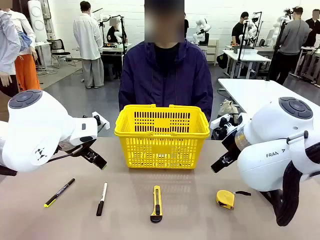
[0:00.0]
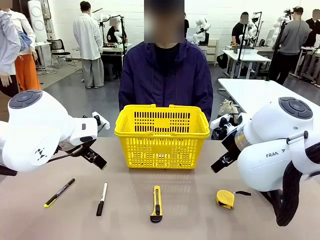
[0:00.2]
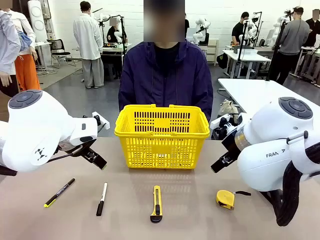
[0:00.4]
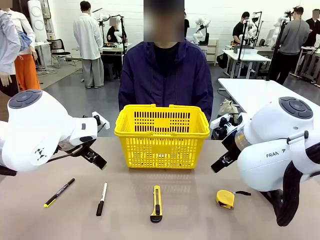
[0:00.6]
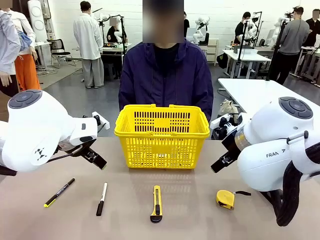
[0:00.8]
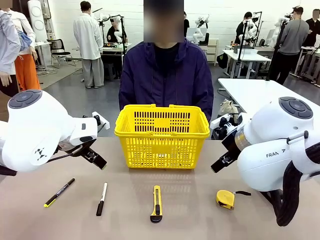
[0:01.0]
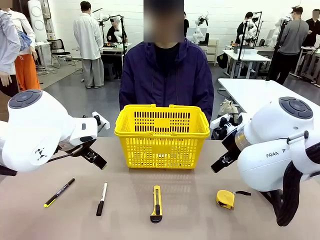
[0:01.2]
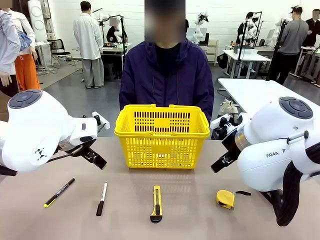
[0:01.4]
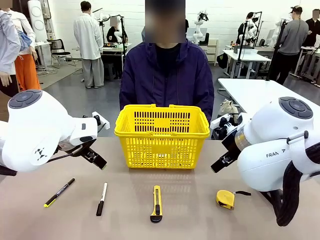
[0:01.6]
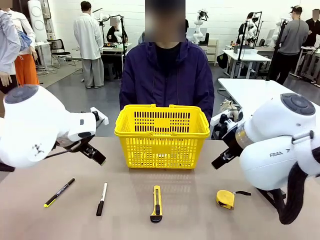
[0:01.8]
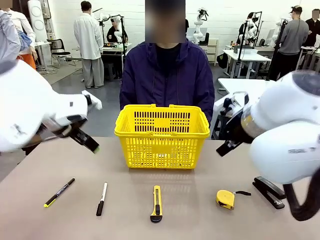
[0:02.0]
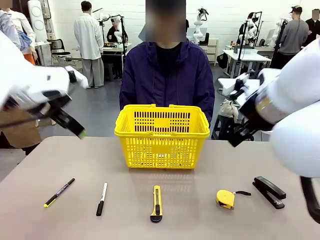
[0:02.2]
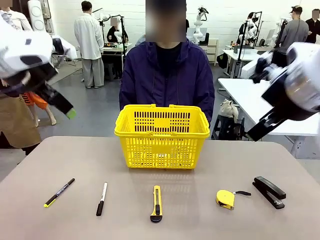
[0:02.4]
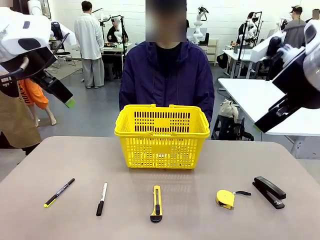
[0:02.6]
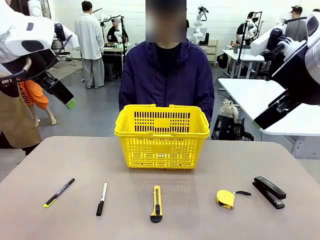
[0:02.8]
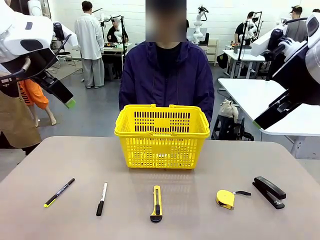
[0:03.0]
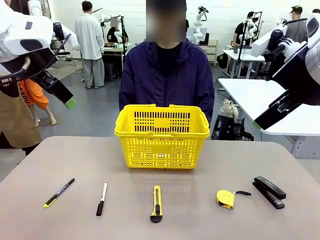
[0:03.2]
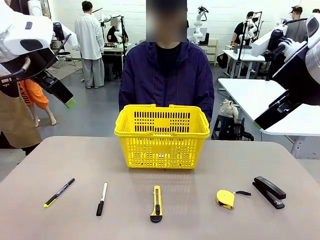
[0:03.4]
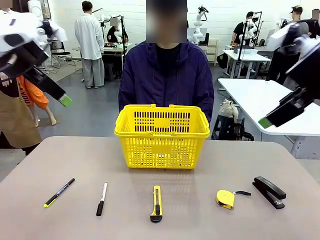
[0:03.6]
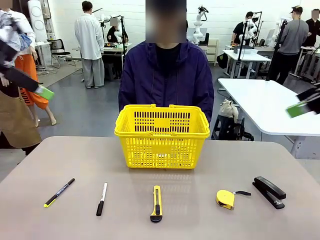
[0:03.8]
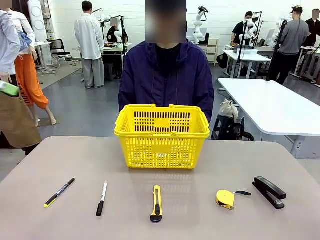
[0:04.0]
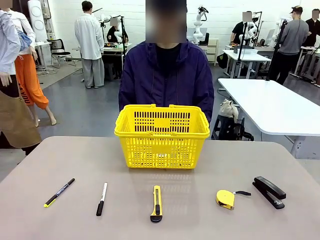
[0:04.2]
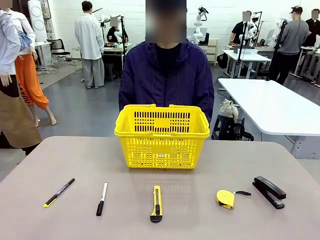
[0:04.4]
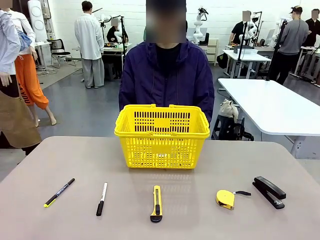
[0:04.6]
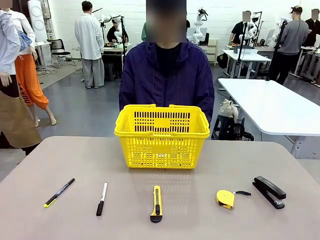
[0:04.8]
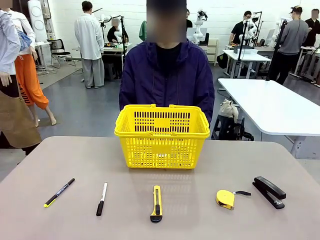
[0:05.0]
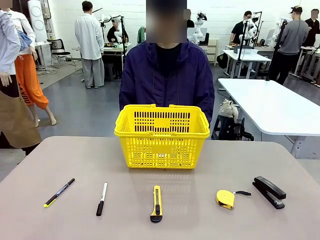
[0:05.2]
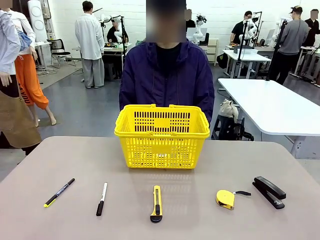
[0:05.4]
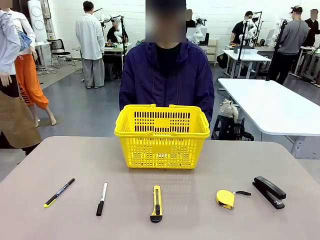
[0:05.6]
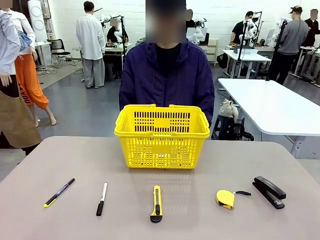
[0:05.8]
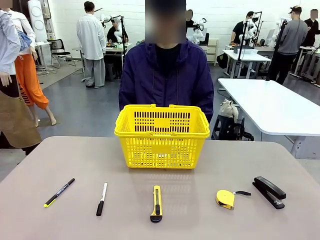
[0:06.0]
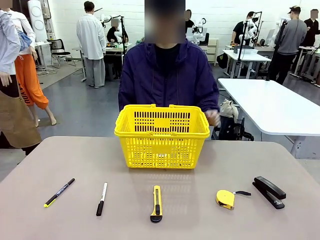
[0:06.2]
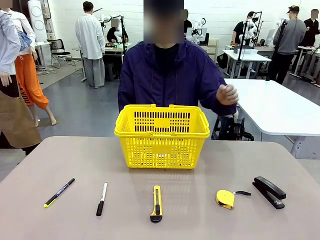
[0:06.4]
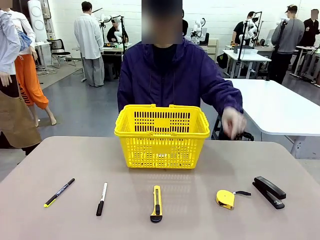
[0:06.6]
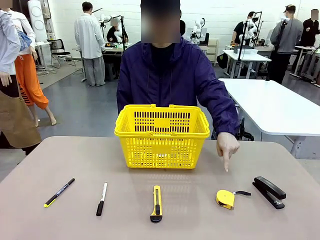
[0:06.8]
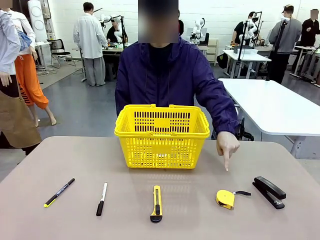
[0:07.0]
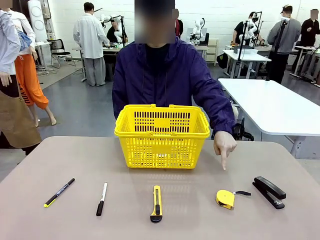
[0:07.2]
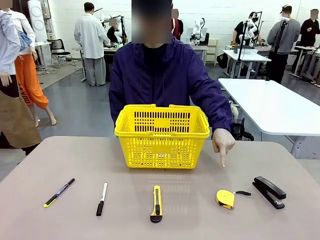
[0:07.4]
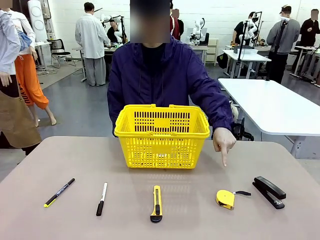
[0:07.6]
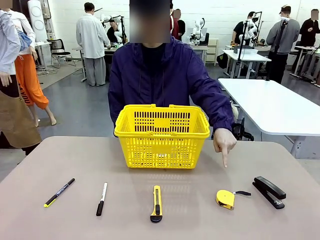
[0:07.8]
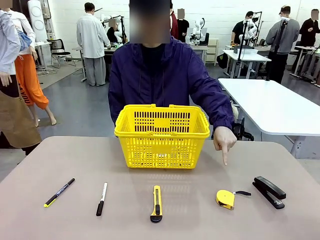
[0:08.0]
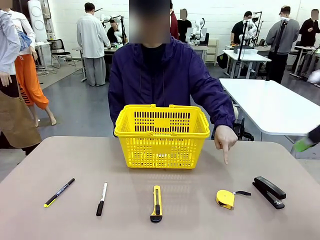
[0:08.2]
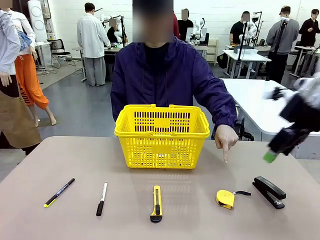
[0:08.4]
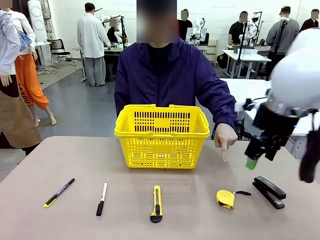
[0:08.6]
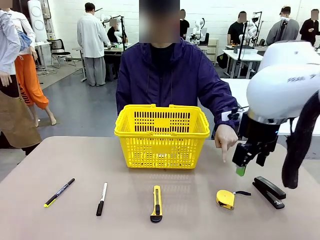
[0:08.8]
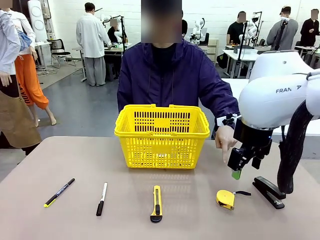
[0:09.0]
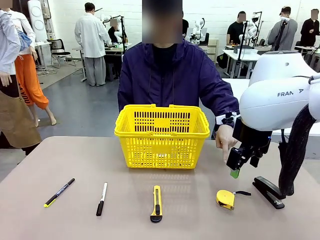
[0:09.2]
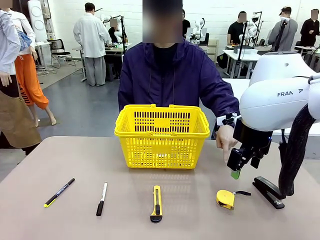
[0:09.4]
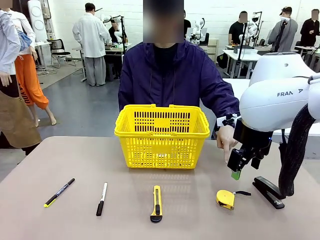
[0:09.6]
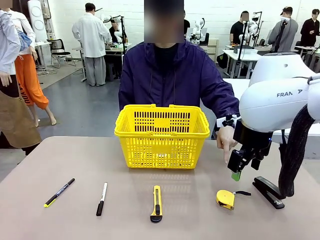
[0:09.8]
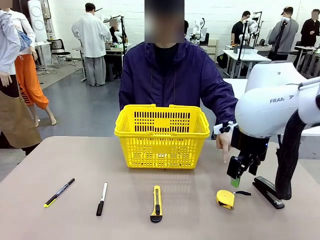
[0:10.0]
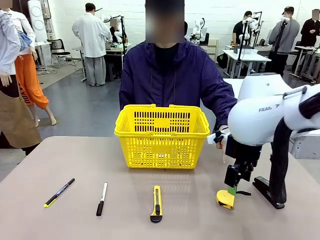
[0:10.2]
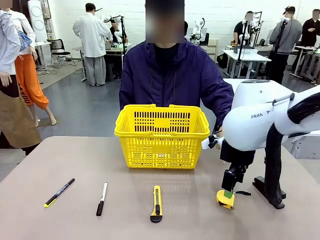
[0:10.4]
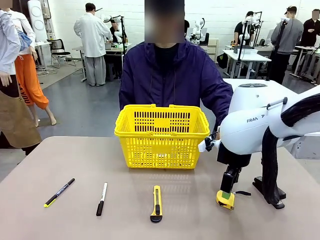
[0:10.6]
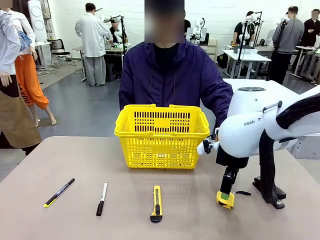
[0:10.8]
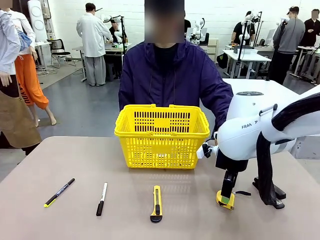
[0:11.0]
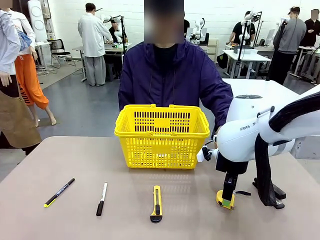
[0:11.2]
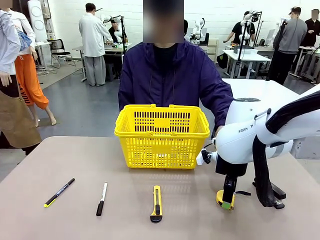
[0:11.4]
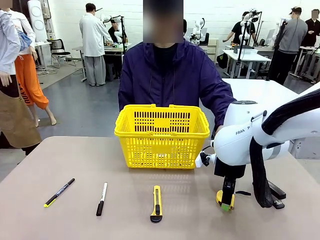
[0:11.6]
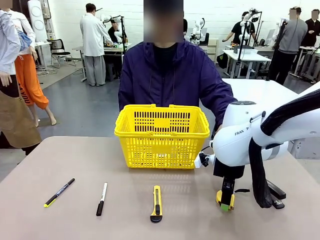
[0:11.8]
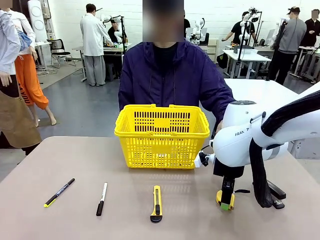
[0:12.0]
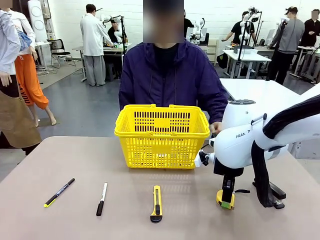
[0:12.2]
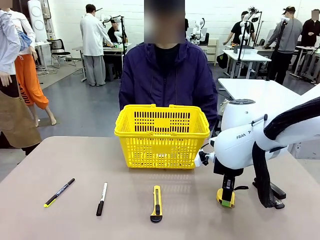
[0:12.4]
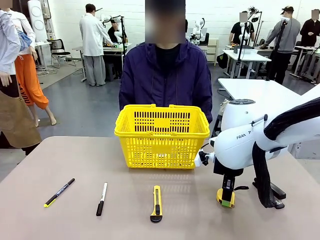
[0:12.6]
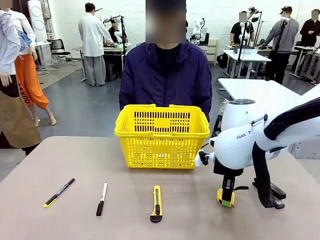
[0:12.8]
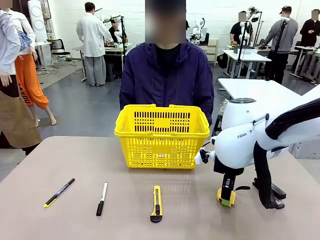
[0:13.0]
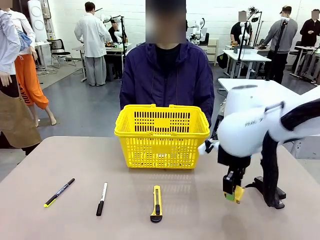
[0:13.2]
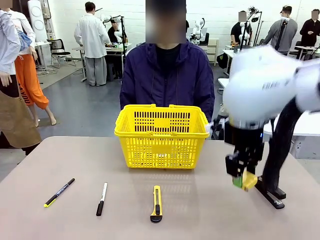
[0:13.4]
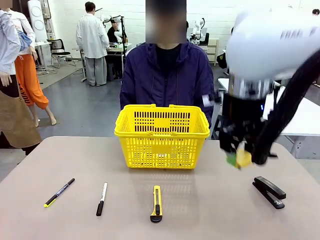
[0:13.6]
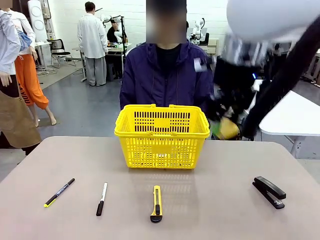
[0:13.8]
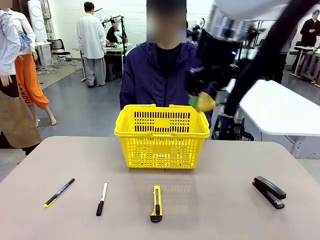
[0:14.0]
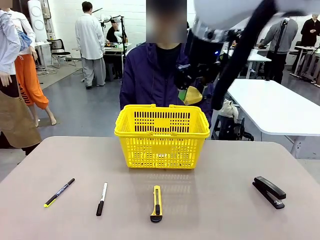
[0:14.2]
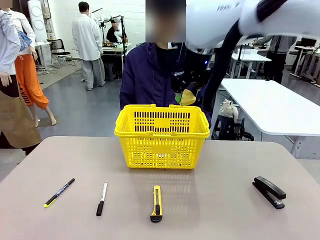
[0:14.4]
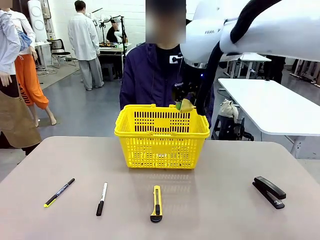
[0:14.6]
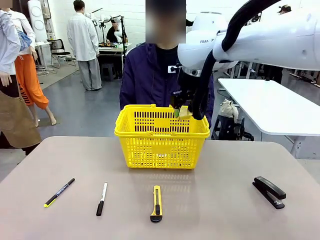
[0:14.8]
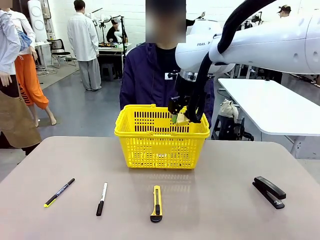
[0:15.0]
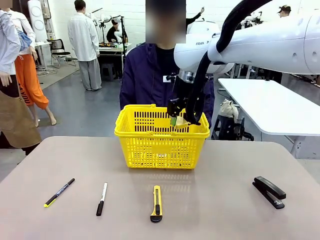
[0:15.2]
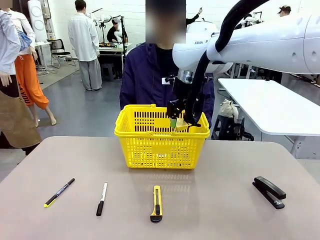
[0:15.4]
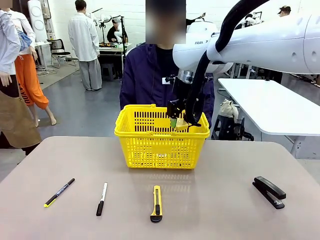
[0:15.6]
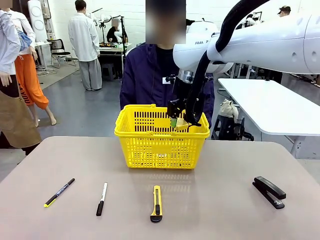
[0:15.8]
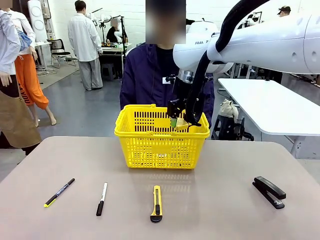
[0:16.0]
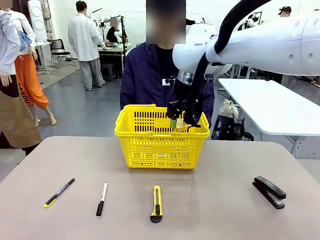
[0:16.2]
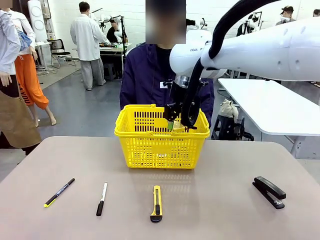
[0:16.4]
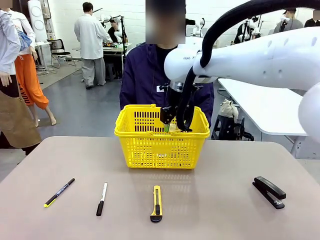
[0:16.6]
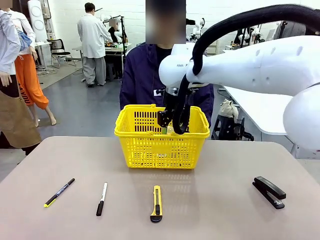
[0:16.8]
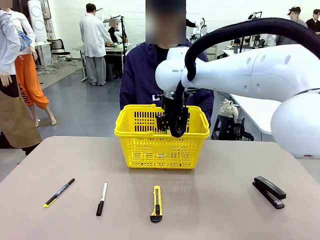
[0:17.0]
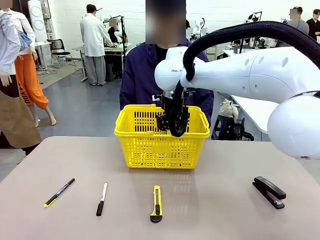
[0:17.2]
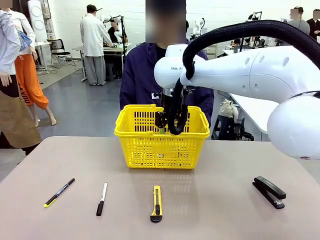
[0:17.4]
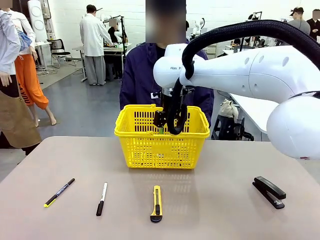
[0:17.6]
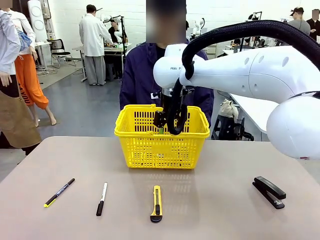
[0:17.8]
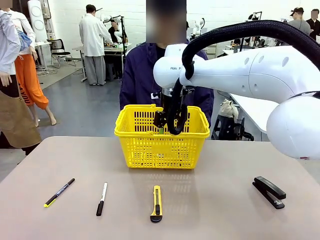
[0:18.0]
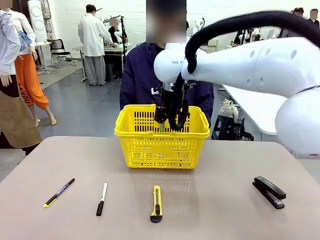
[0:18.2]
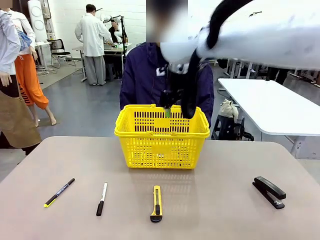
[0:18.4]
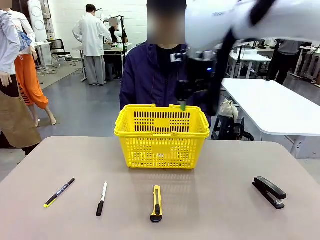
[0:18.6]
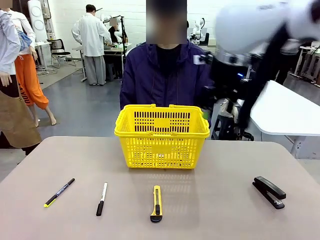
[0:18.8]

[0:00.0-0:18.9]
Task: Place the items the person wants into the basket.
Robot: Pick up the item the person points to and place it in the Market Basket.
